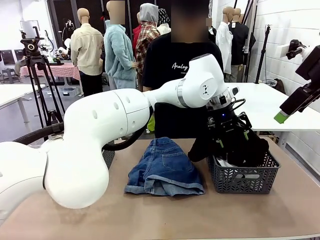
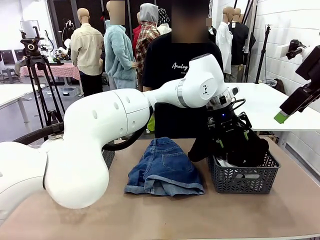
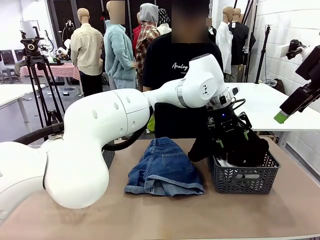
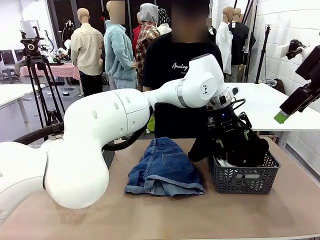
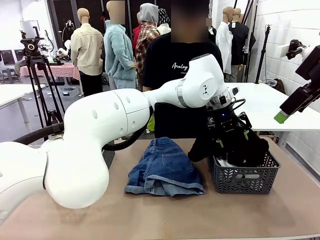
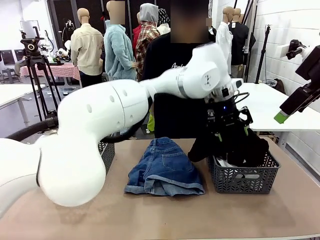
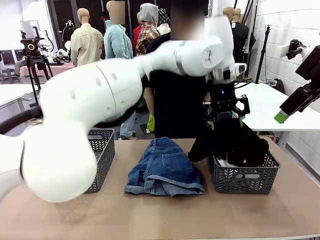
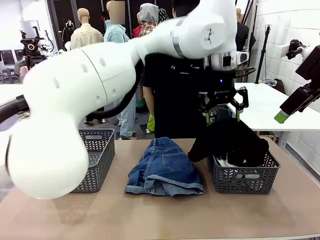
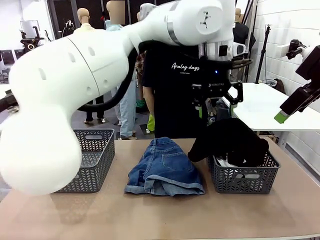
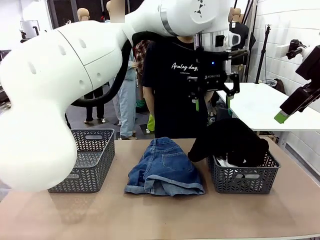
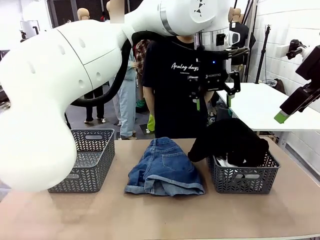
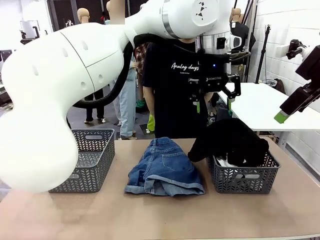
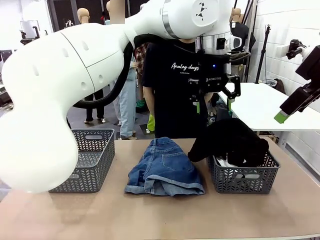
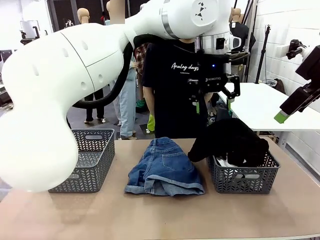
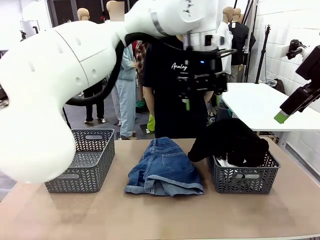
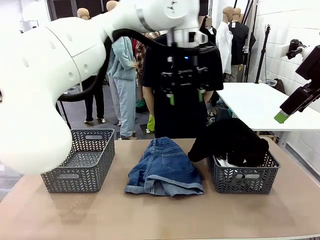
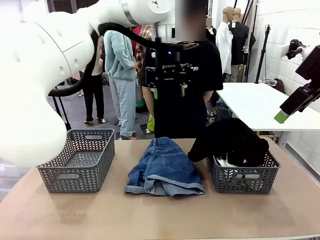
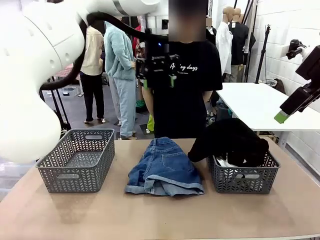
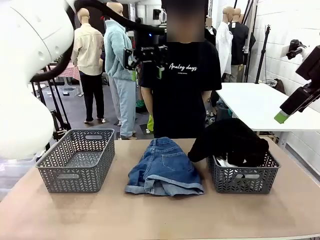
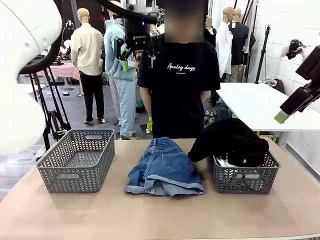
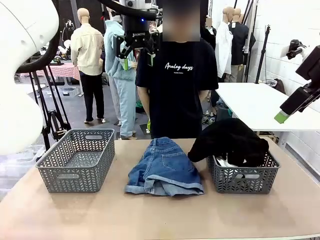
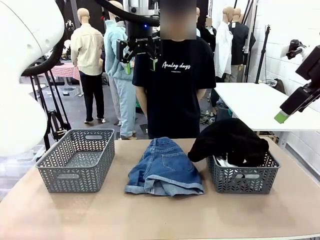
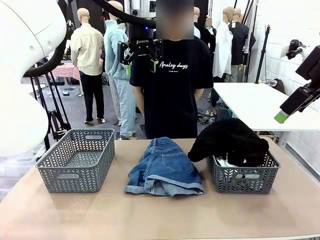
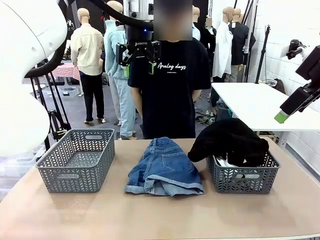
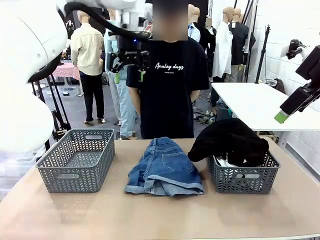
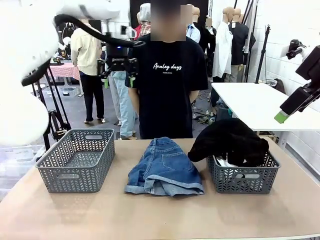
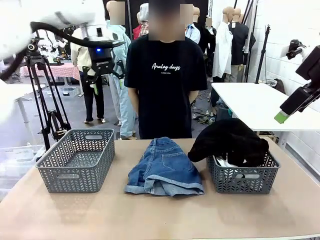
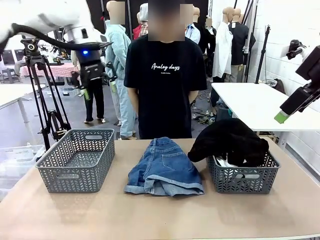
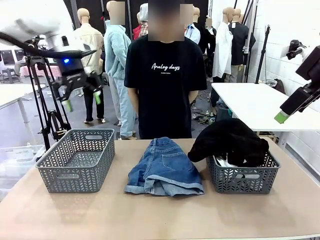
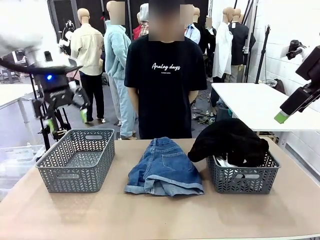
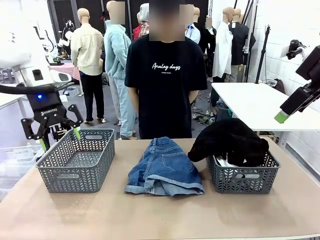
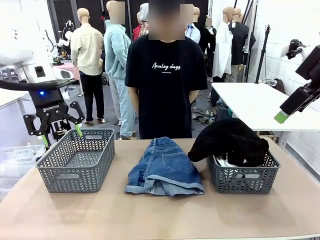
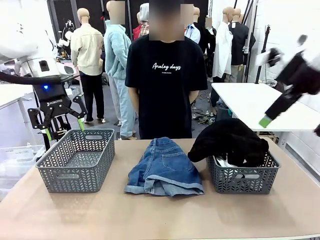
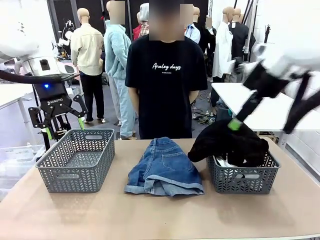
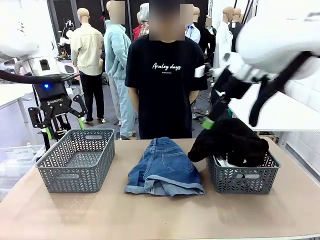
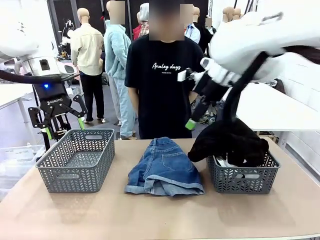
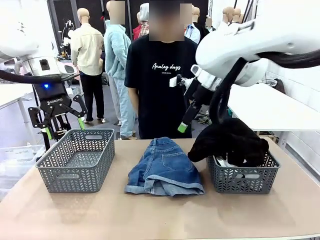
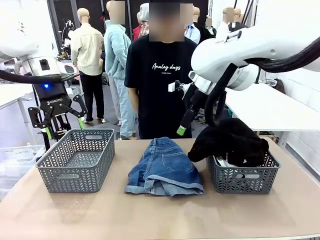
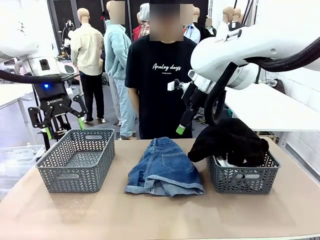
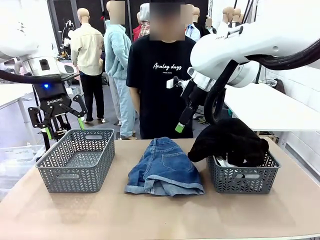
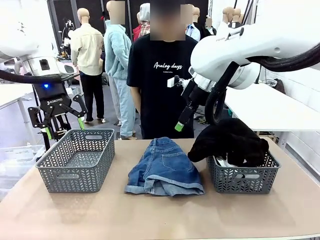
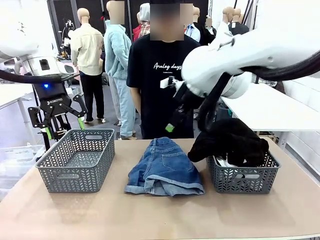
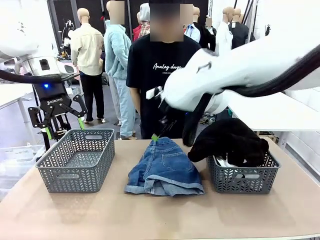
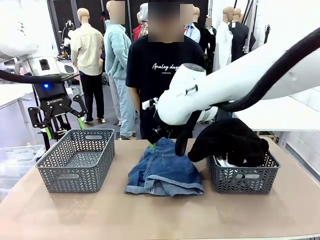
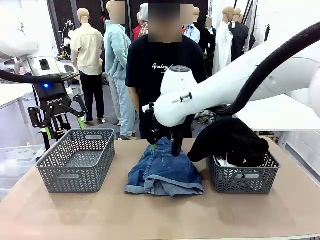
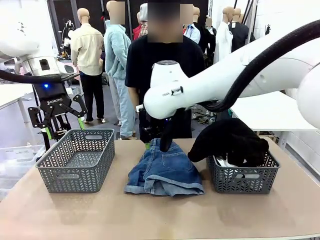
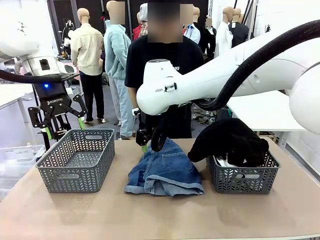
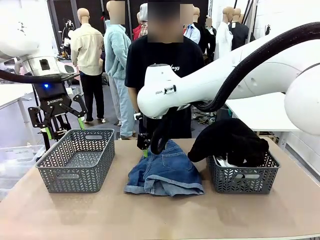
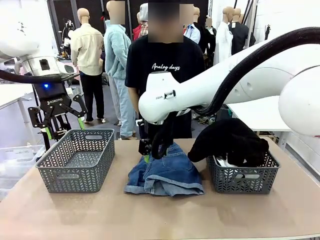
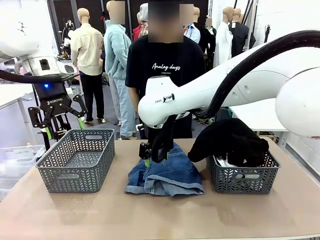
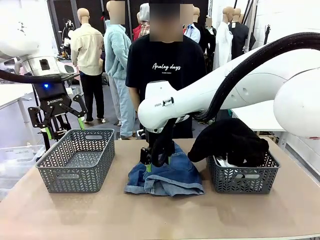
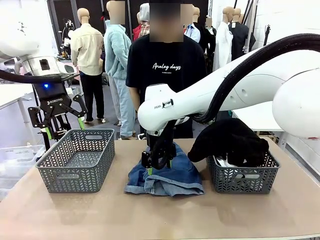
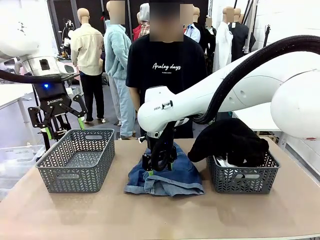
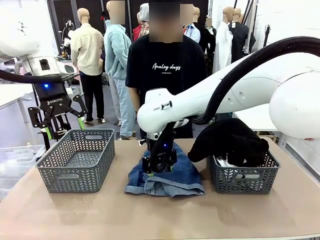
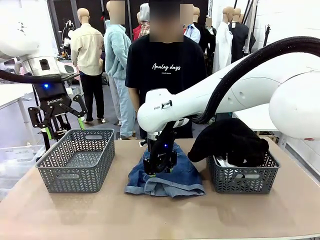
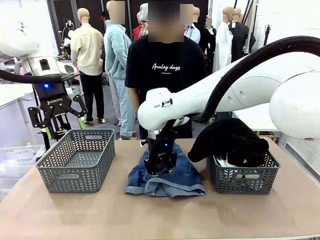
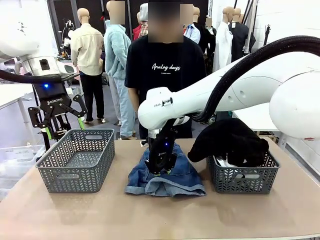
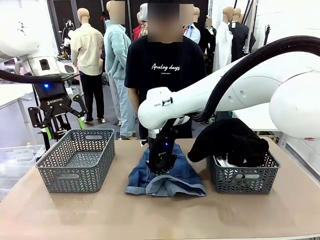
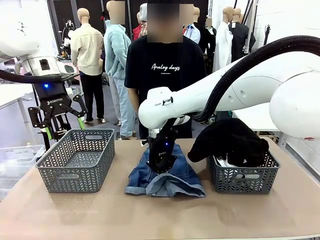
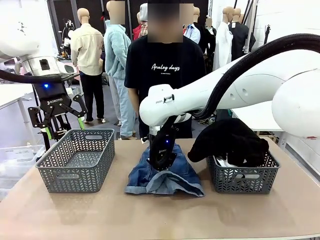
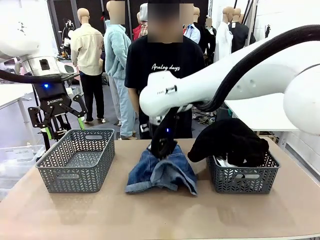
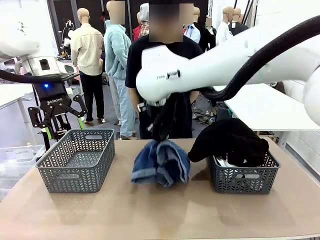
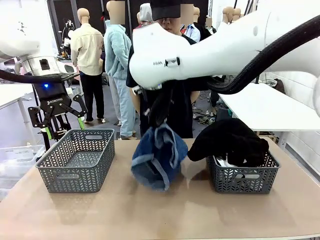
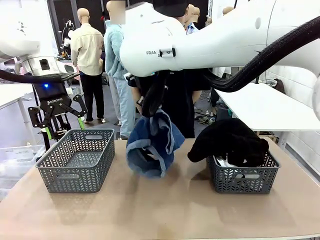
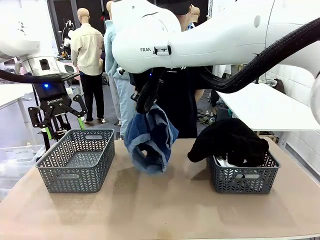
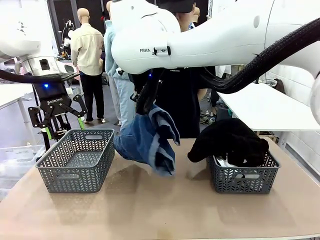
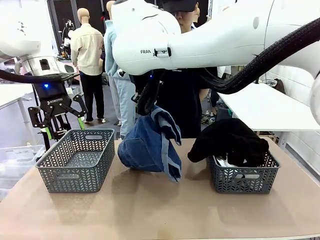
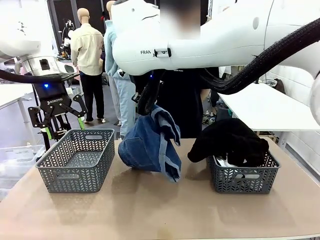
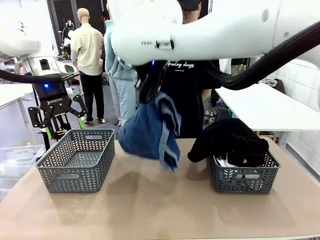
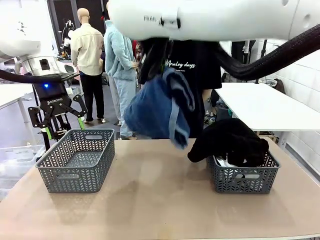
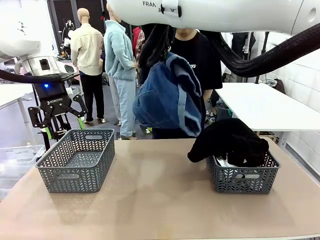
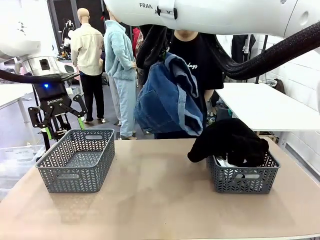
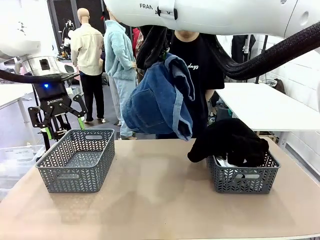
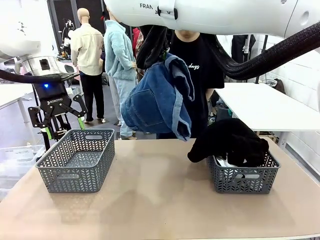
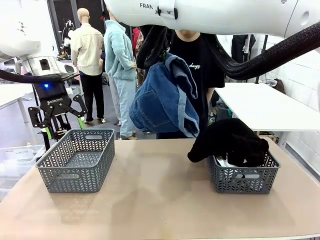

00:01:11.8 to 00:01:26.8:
Task: Sort the tops and bottoms.
Robot: Lift clothes from the center of the table with your right hand.

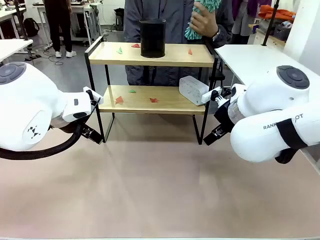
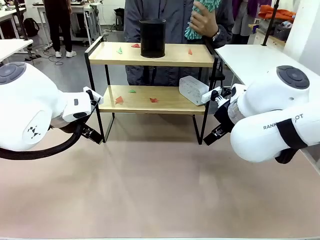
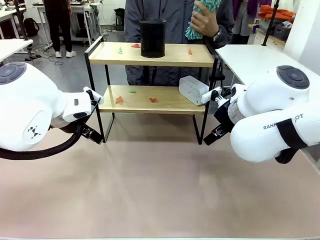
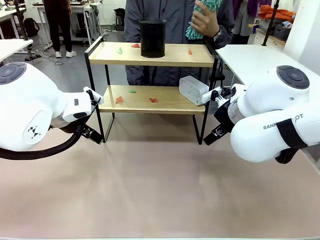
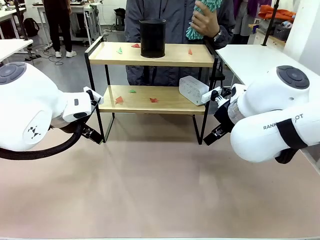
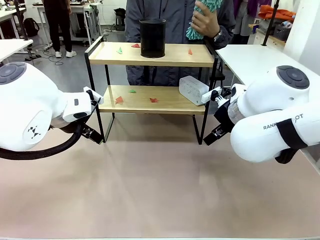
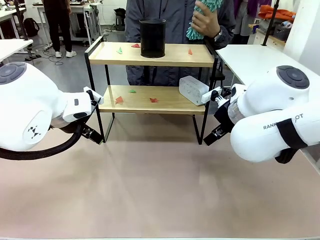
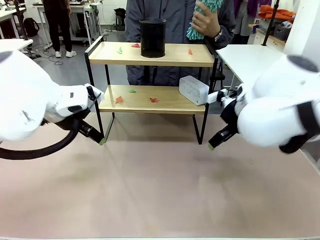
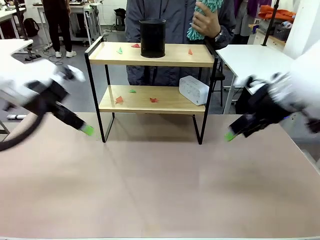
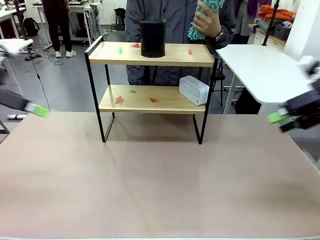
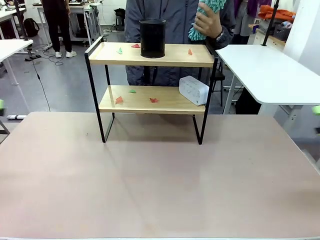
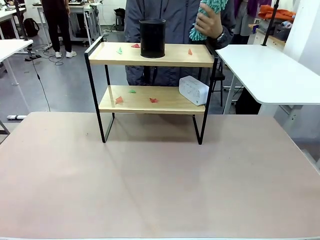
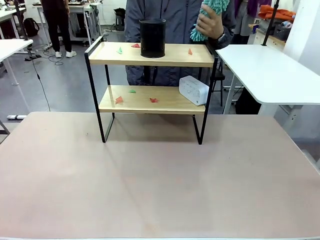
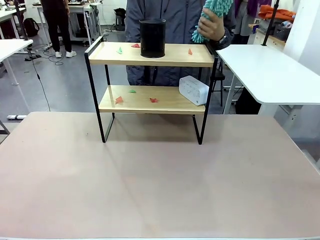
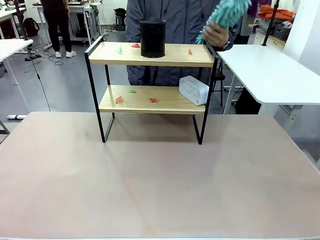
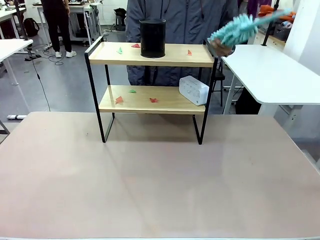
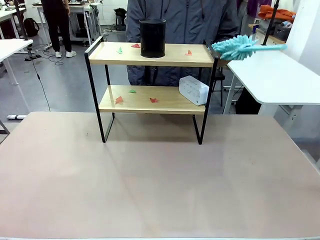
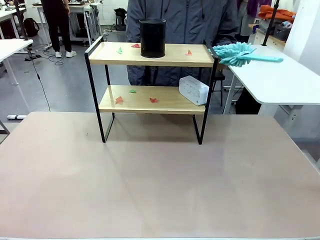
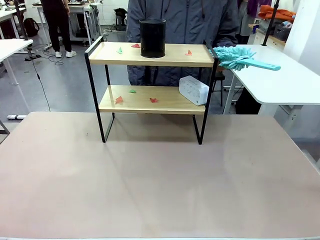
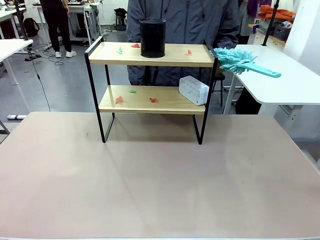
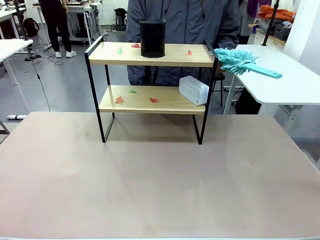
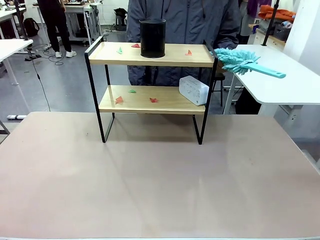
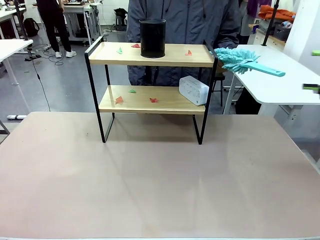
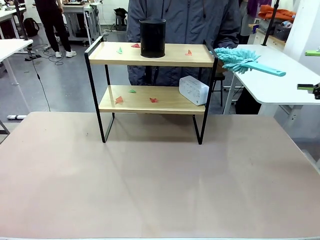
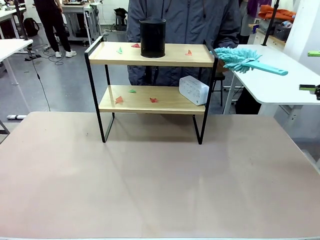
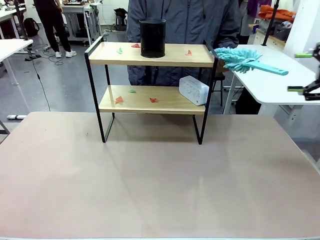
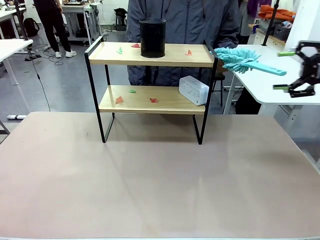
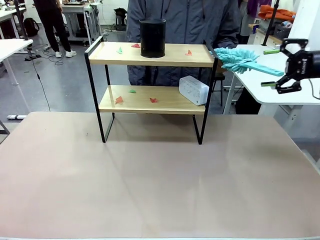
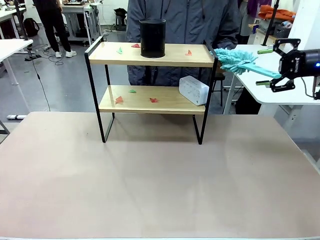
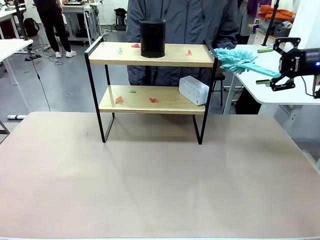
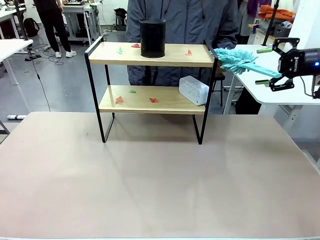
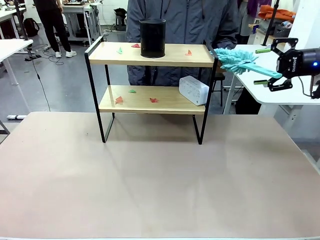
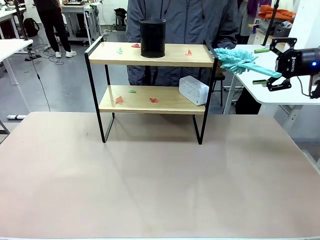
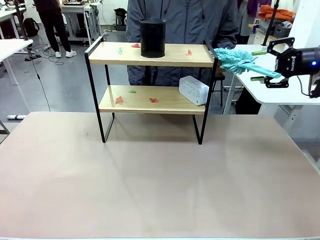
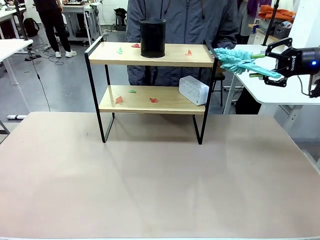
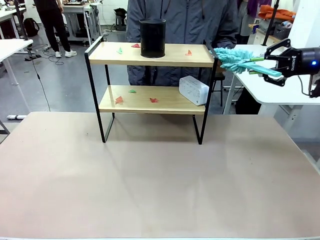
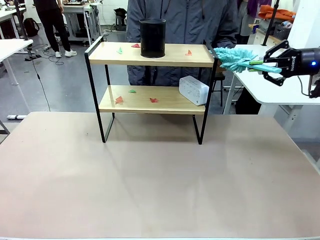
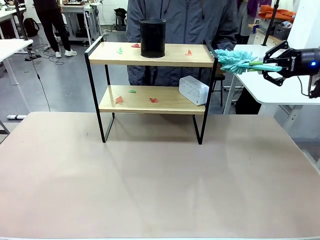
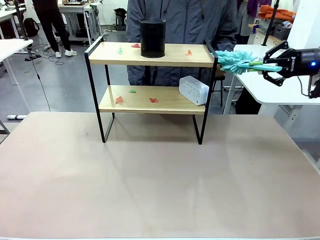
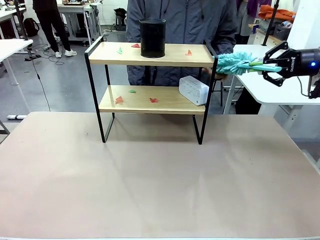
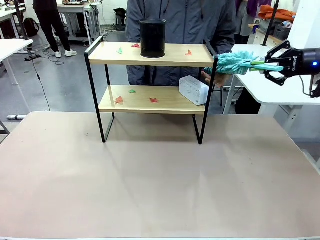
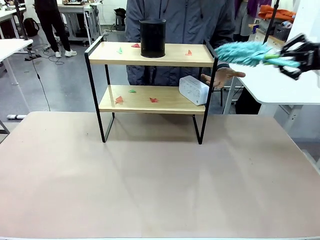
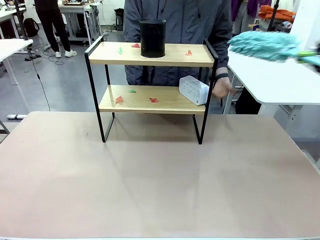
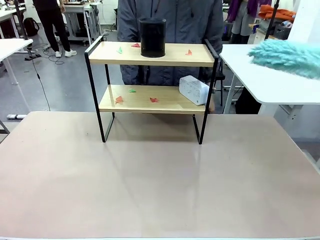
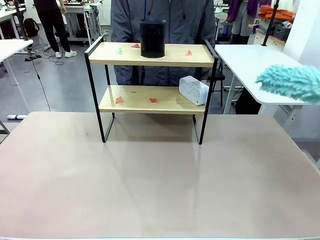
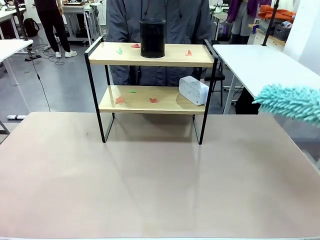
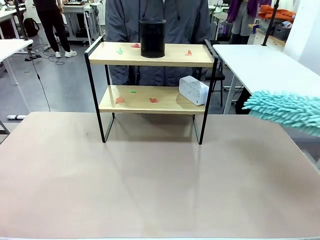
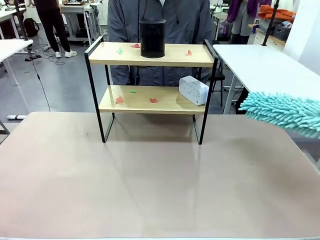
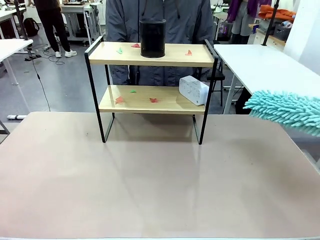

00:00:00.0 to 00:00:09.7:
Task: Clean the shelf.
Robot: Pick up the Duster from the human.
Person: Hand the Duster to the robot.
